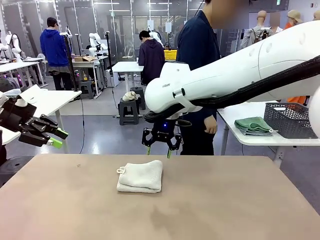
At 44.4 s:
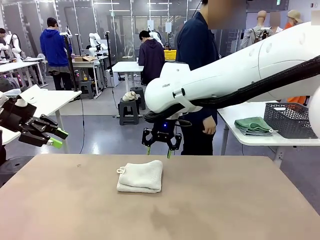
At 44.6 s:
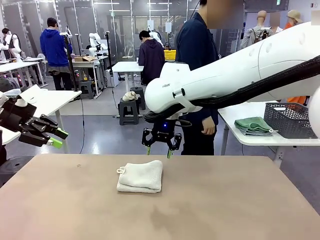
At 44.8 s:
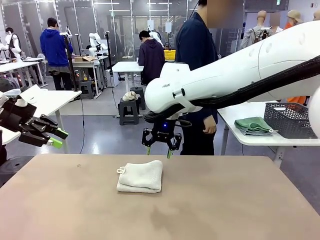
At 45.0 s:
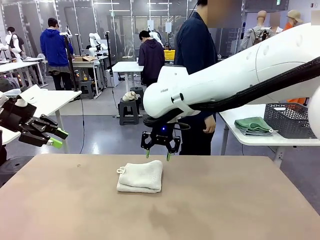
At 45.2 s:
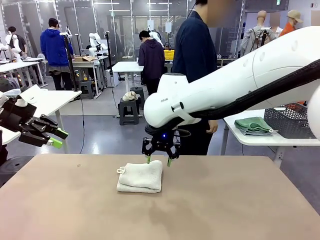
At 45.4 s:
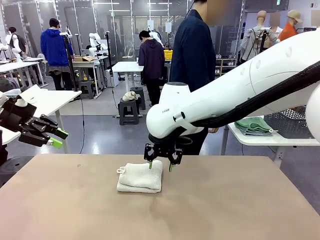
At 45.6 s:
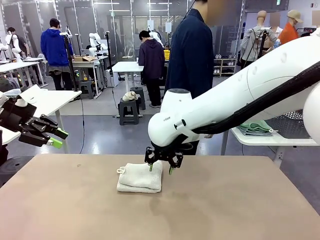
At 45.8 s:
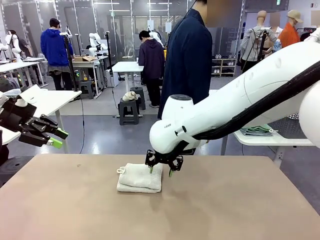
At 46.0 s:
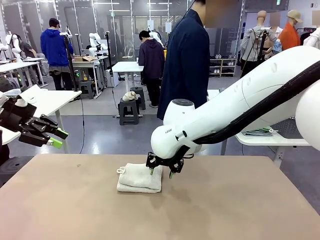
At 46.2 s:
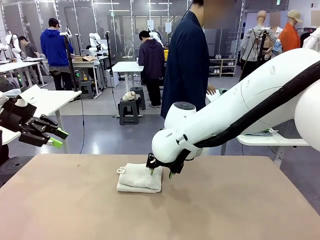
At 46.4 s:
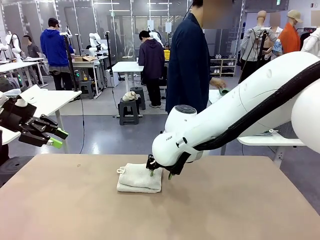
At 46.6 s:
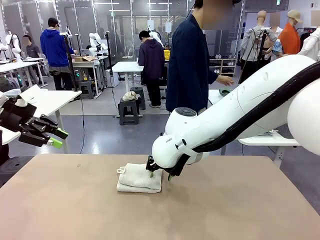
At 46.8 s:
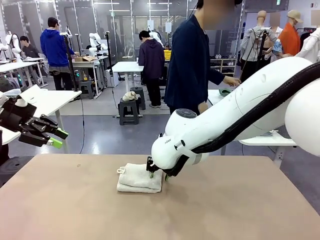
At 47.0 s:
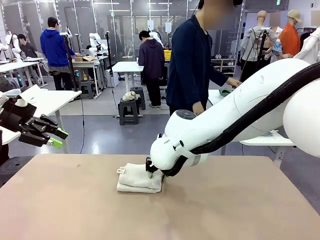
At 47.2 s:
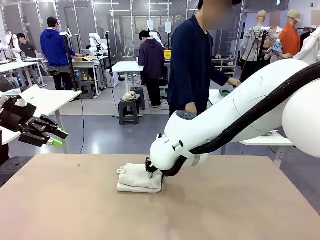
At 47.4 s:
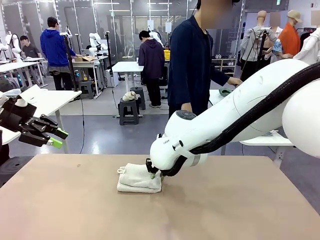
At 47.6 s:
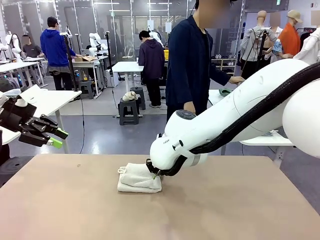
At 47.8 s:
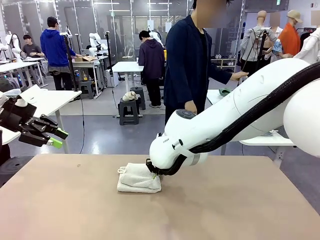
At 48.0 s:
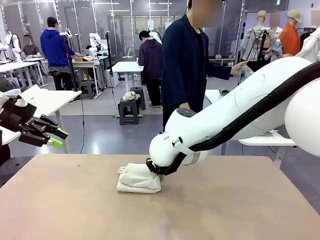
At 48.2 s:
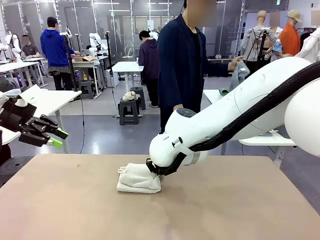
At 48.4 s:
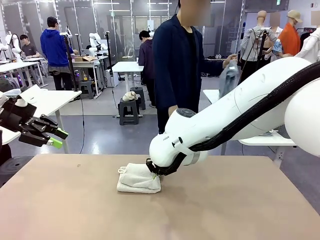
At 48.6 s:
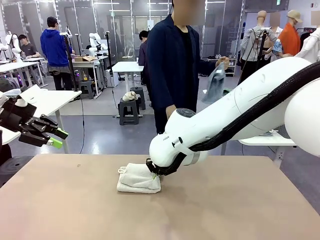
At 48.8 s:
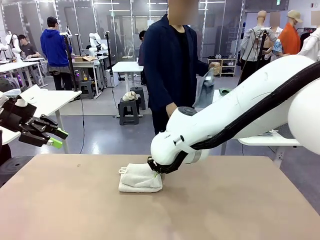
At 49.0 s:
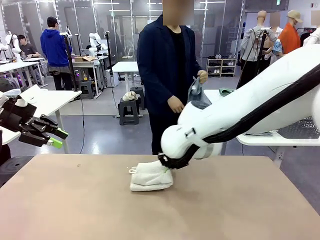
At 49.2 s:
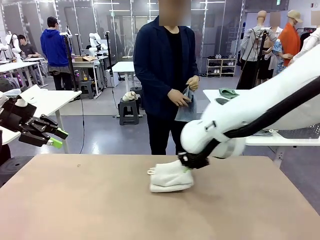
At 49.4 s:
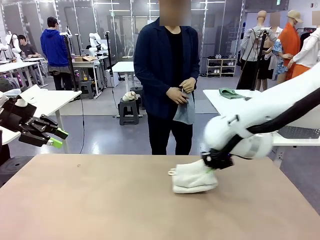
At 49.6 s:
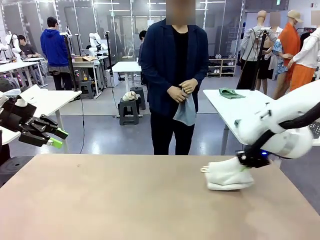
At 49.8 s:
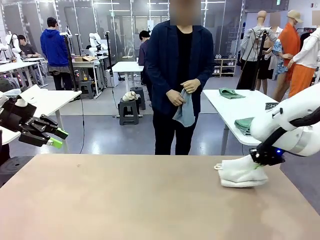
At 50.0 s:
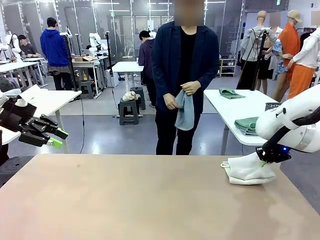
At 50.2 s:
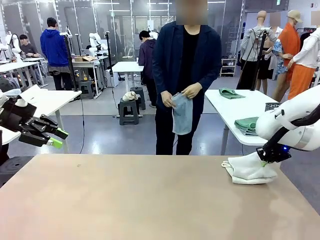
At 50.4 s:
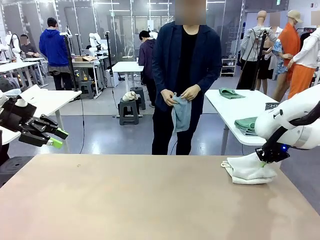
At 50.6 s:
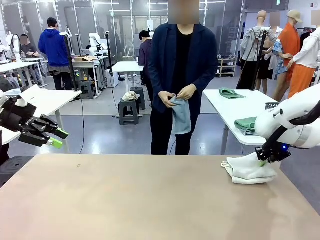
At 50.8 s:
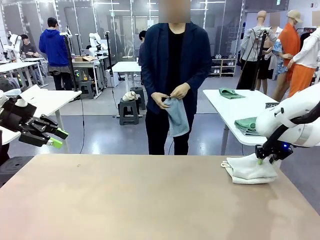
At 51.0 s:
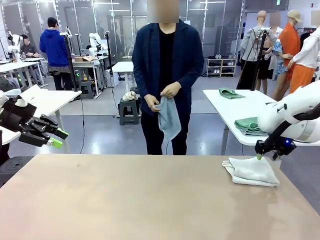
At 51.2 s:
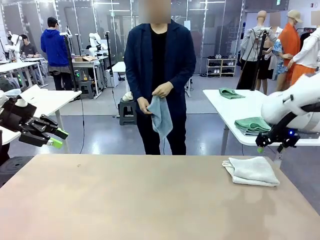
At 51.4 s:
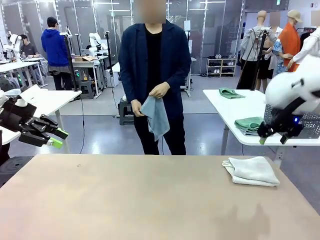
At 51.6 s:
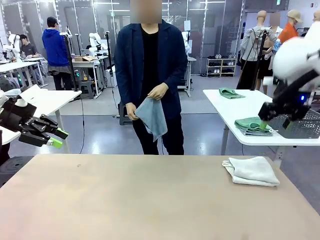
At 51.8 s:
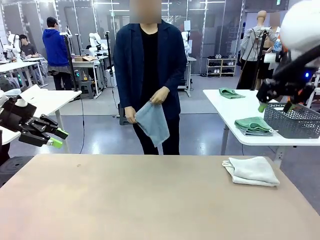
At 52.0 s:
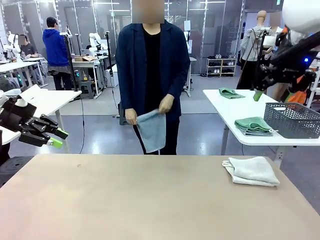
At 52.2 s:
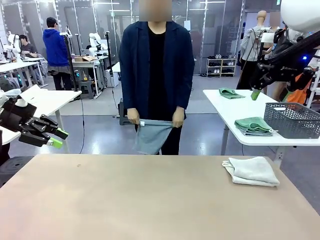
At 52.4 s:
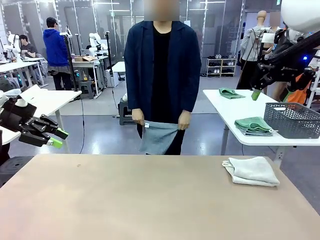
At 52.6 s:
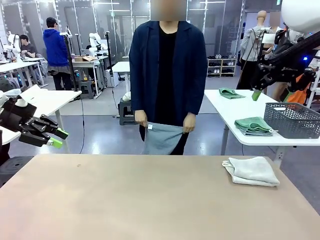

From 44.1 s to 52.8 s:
Task: Fold the towels and place them in the basket.
Robot: Place the folded Towel with hook on the right side of the table.
Person: Pick up one towel from the left side of the human table and spread it out at the center of the robot table.

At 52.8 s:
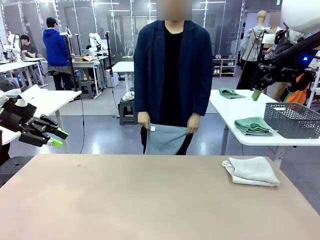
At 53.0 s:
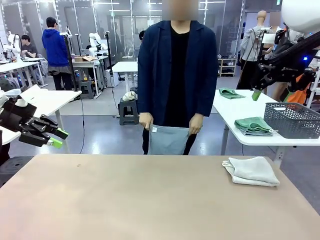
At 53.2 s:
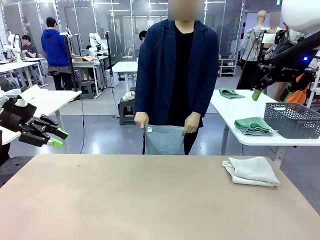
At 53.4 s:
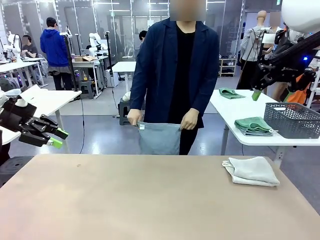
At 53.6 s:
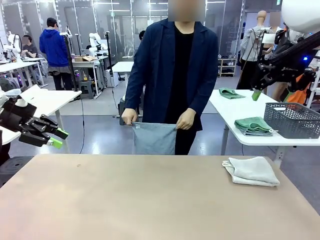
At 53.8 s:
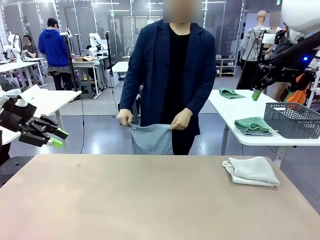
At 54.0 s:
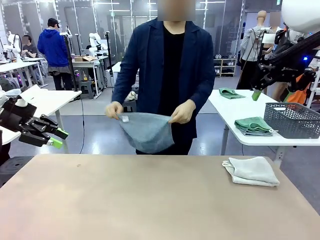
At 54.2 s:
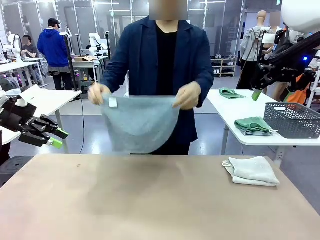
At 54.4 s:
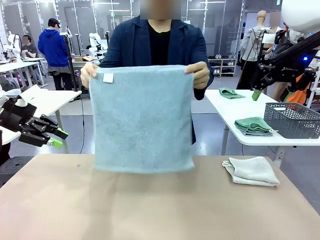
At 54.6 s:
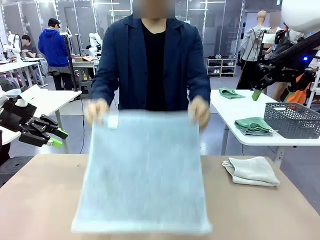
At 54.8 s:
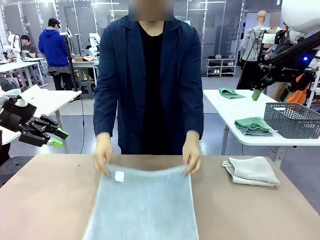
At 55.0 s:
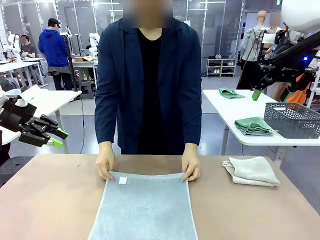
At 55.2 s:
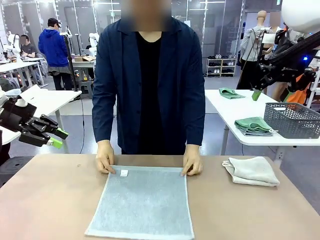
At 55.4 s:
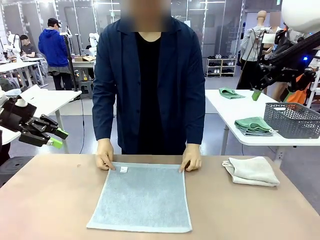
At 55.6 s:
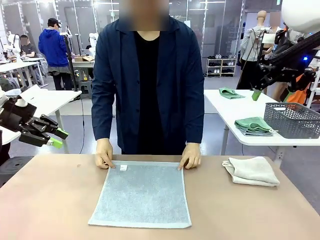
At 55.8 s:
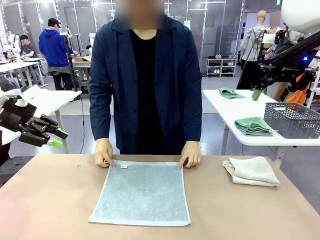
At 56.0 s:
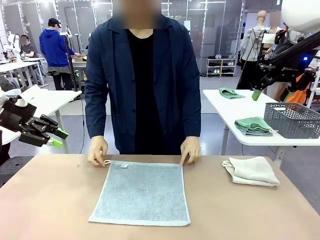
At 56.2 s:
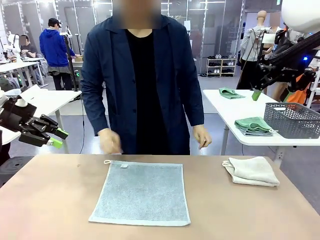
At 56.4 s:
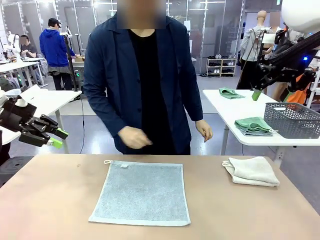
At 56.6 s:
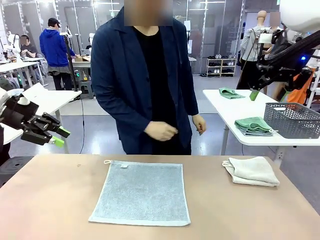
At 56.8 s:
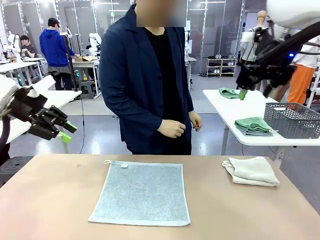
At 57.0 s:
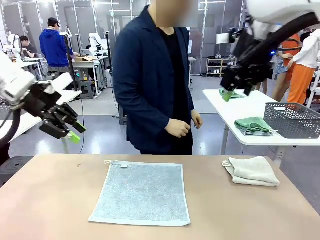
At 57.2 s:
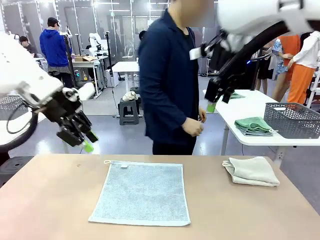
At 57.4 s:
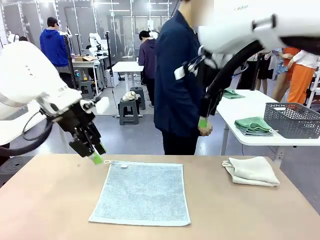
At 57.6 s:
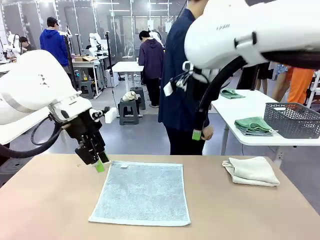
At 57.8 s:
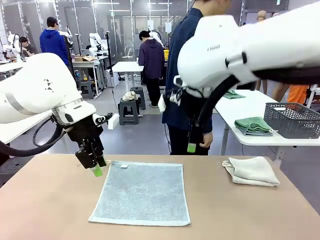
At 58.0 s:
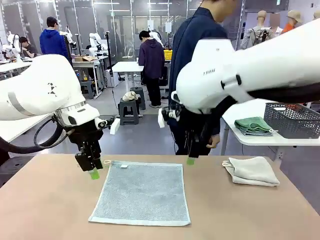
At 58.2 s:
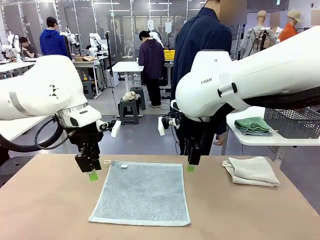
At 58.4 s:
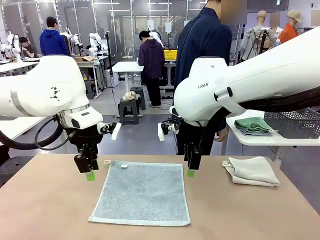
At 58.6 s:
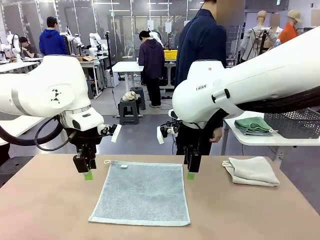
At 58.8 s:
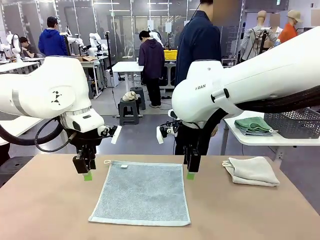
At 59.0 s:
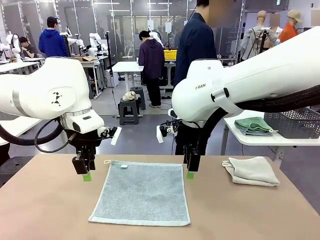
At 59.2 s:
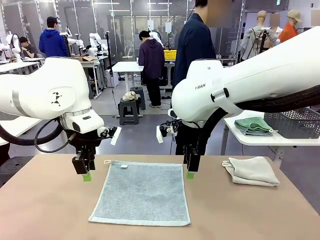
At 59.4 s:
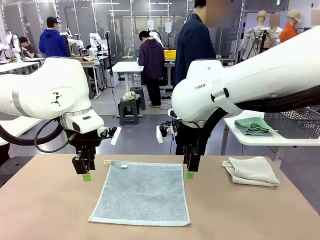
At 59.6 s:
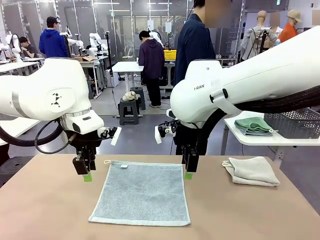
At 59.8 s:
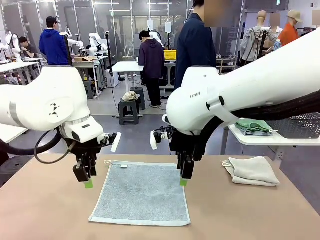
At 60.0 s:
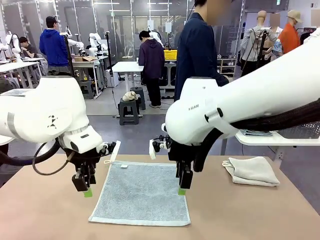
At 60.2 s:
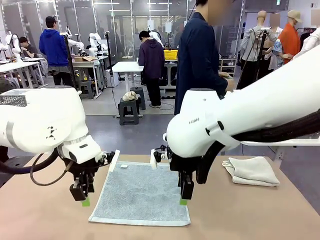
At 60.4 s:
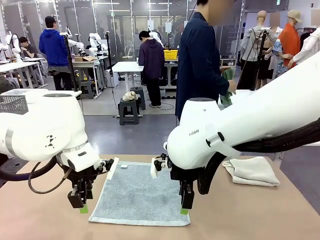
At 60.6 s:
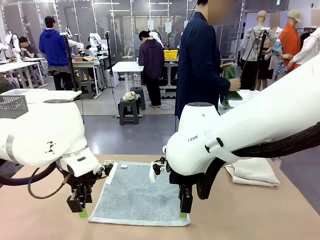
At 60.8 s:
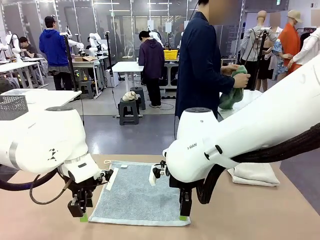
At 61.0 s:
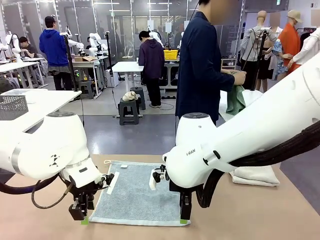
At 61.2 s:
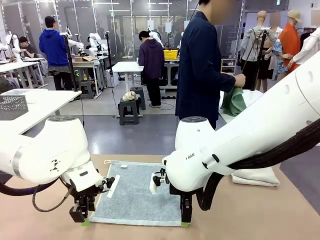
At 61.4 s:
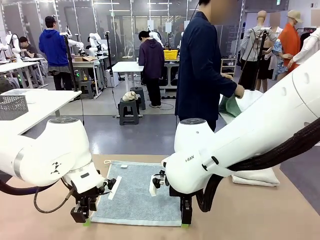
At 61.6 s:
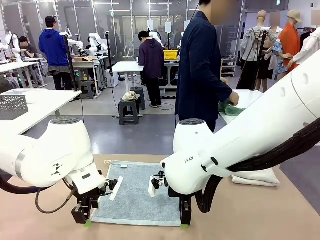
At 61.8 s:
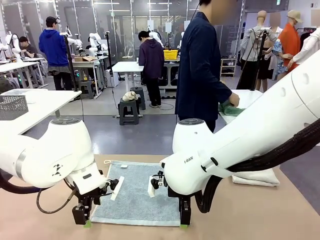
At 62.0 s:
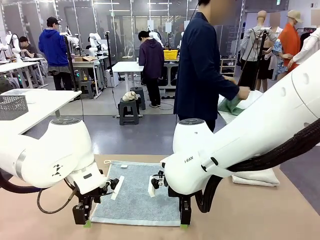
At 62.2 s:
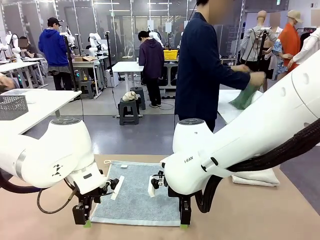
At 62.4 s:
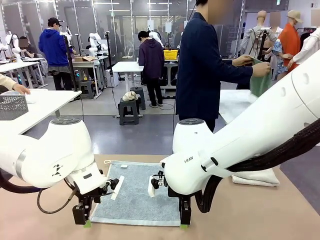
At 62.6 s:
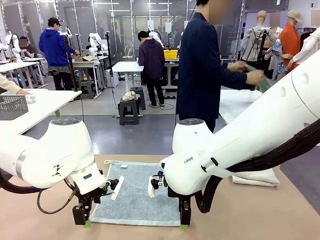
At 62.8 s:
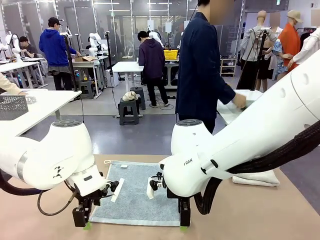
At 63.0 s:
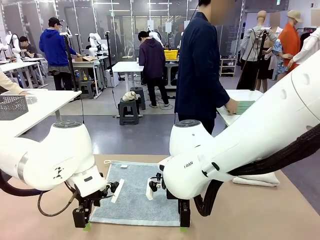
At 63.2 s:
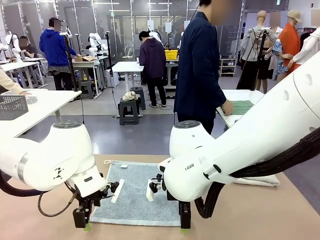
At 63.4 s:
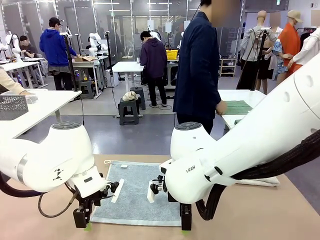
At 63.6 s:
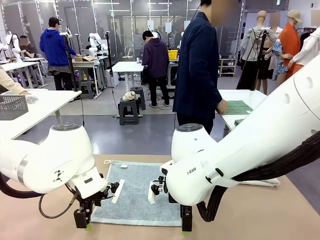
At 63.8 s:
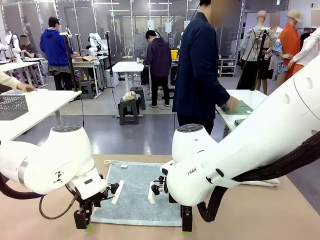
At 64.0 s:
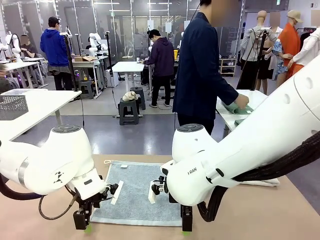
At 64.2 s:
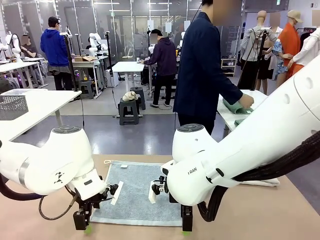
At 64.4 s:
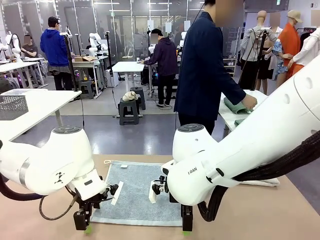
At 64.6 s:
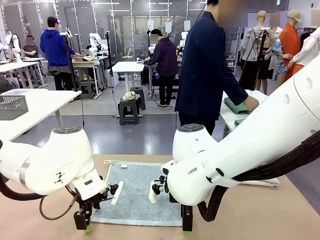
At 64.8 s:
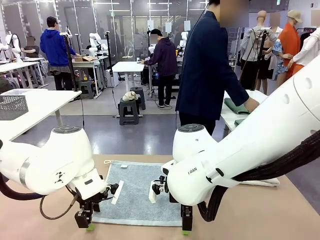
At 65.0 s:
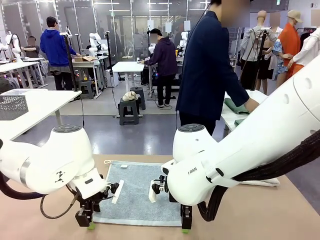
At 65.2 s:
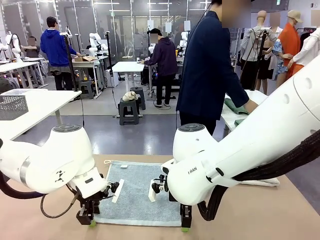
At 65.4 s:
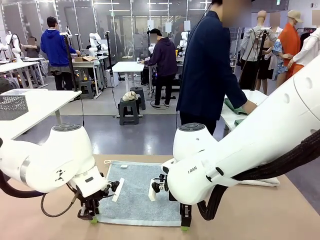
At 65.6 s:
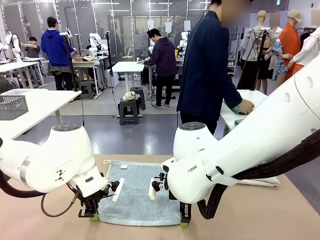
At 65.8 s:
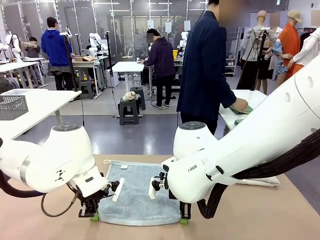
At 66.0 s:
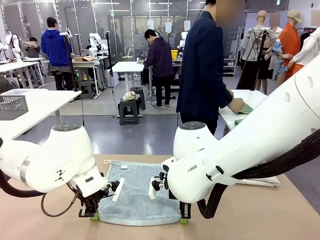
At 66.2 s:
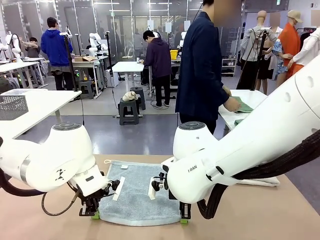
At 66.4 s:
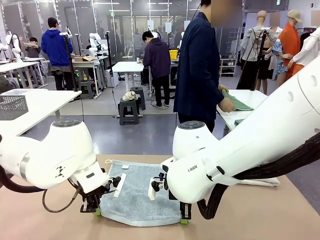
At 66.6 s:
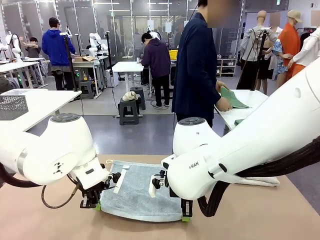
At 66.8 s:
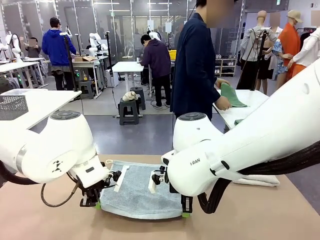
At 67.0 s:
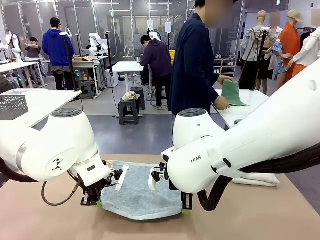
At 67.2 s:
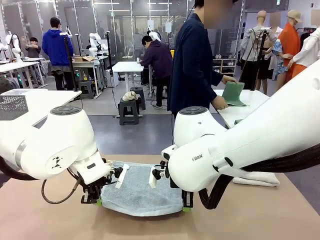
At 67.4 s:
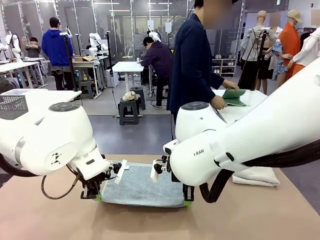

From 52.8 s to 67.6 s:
Robot: When a person lays out a Towel with hook on the table, fold it in half twice.
Person: Pick up one towel from the left side of the human table, fold it in half twice, and stack it on the right side of the table.
